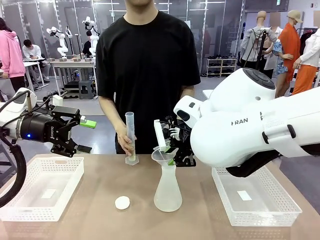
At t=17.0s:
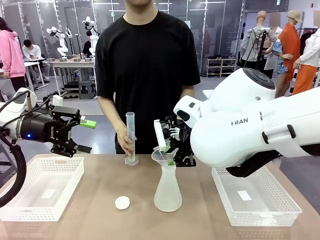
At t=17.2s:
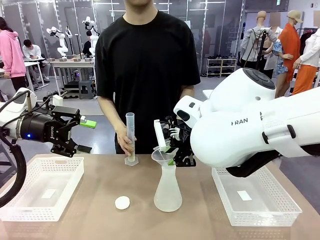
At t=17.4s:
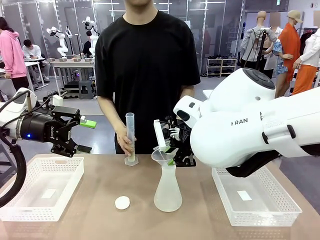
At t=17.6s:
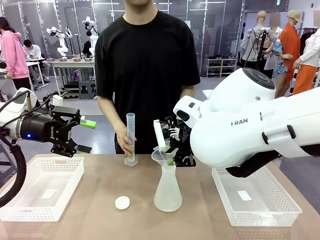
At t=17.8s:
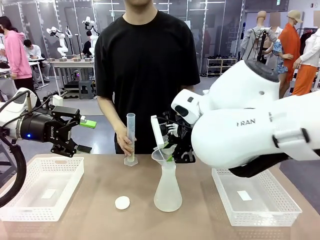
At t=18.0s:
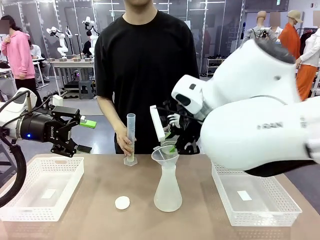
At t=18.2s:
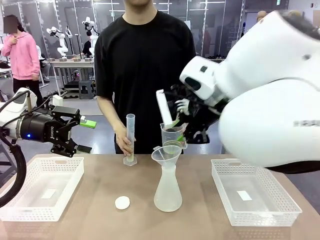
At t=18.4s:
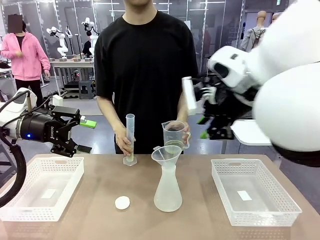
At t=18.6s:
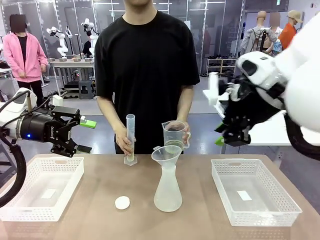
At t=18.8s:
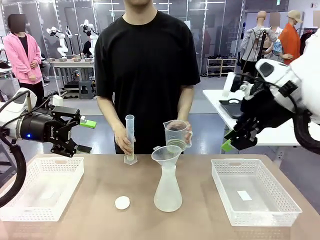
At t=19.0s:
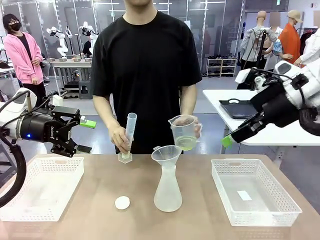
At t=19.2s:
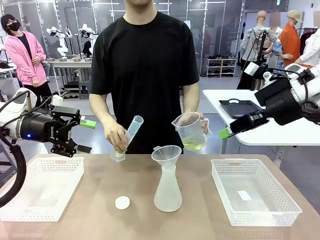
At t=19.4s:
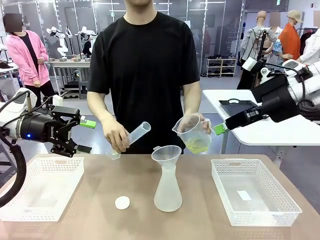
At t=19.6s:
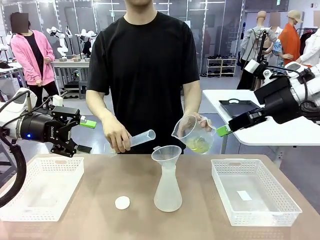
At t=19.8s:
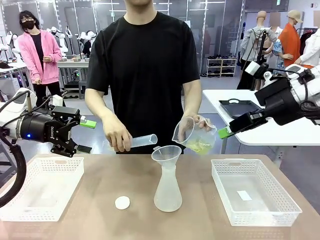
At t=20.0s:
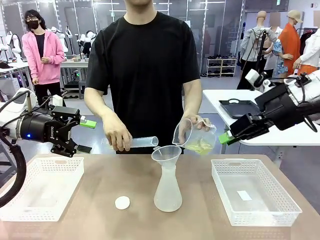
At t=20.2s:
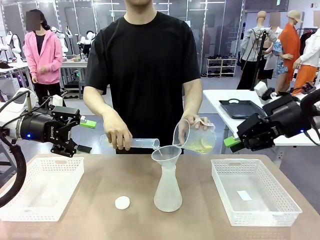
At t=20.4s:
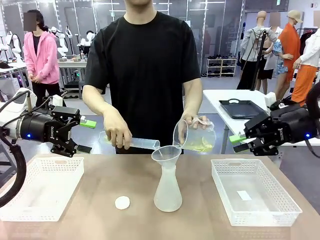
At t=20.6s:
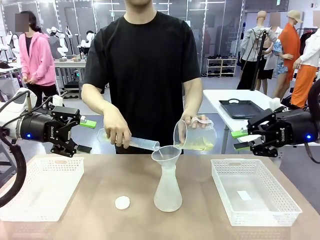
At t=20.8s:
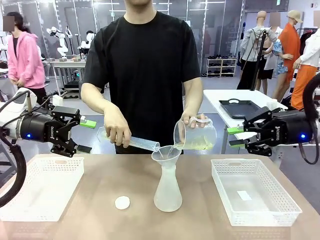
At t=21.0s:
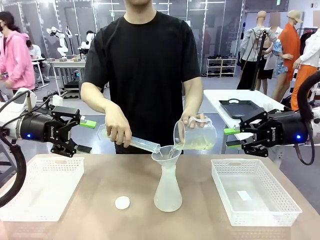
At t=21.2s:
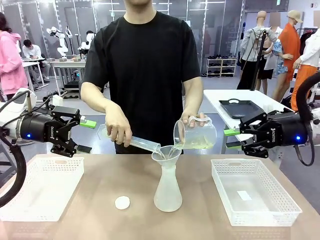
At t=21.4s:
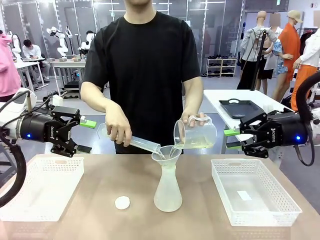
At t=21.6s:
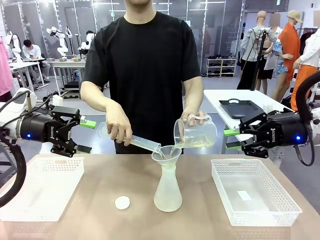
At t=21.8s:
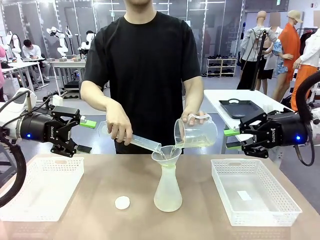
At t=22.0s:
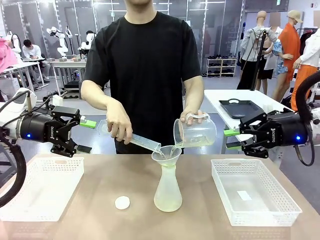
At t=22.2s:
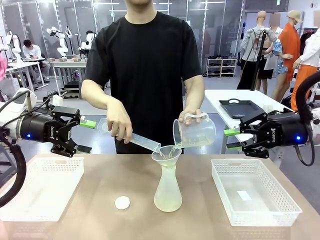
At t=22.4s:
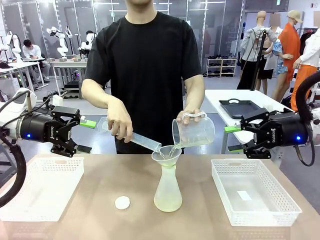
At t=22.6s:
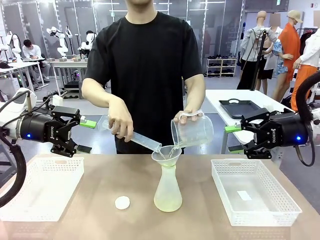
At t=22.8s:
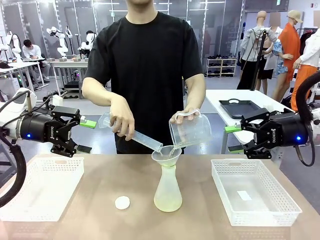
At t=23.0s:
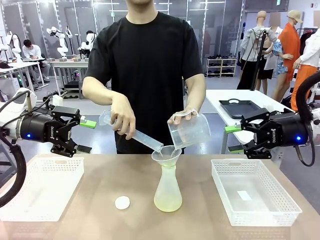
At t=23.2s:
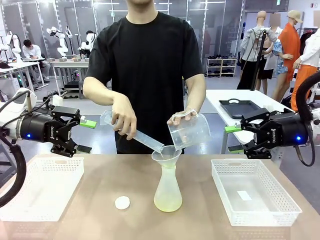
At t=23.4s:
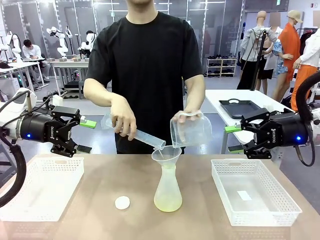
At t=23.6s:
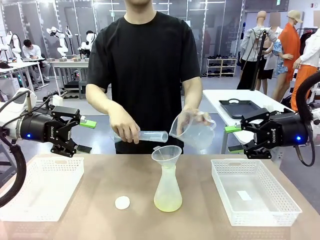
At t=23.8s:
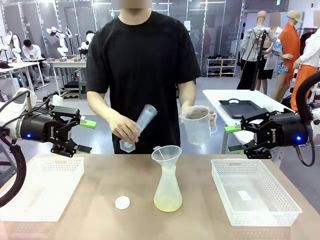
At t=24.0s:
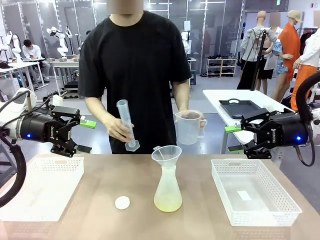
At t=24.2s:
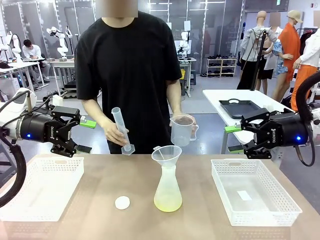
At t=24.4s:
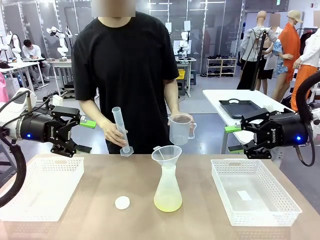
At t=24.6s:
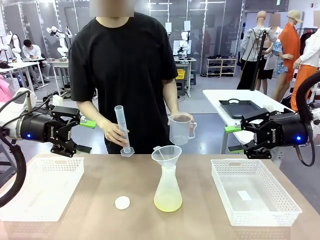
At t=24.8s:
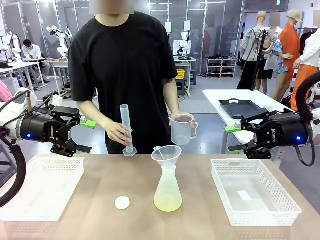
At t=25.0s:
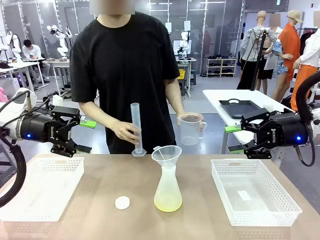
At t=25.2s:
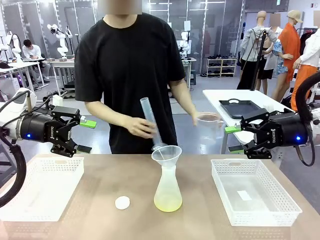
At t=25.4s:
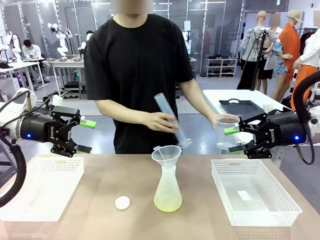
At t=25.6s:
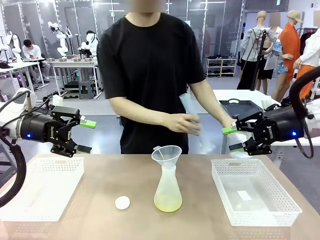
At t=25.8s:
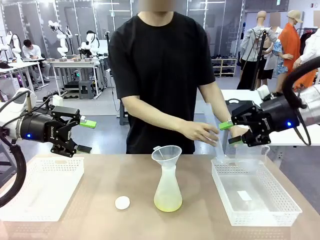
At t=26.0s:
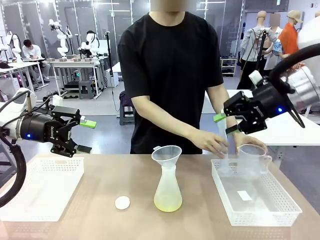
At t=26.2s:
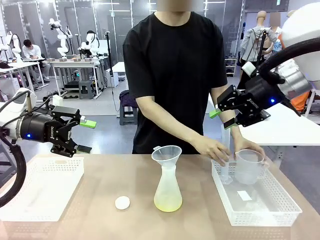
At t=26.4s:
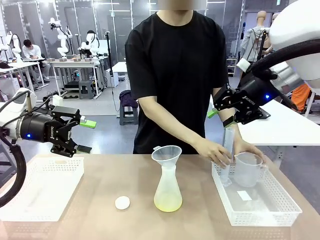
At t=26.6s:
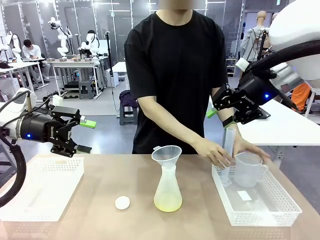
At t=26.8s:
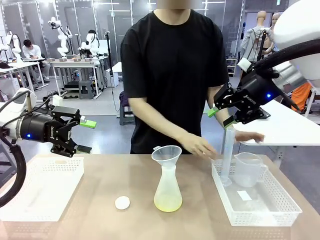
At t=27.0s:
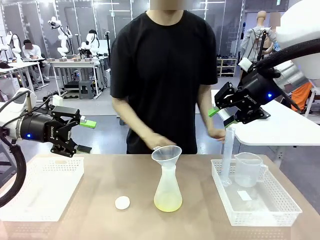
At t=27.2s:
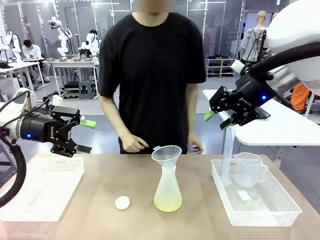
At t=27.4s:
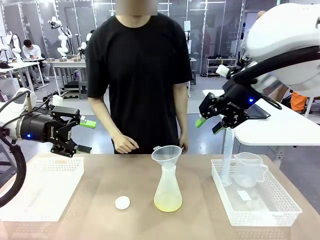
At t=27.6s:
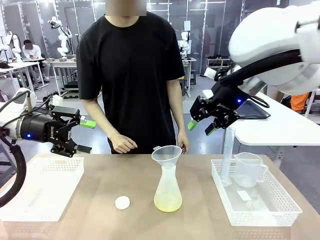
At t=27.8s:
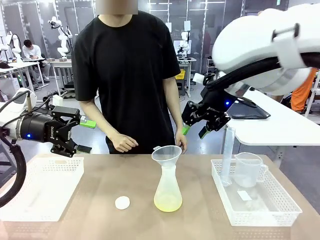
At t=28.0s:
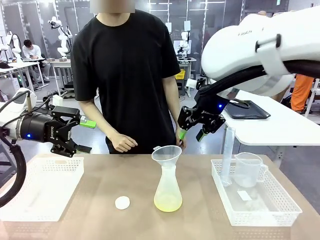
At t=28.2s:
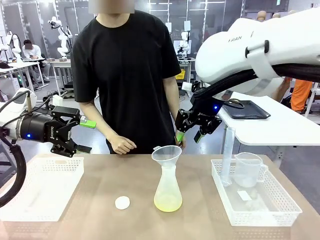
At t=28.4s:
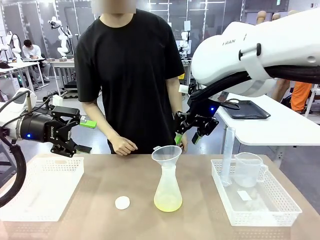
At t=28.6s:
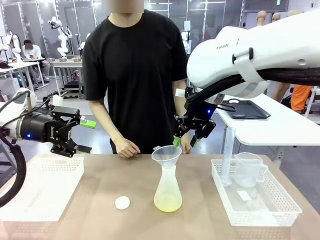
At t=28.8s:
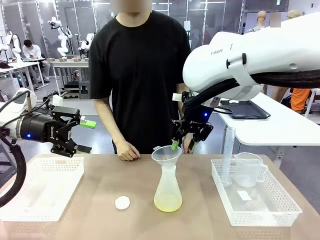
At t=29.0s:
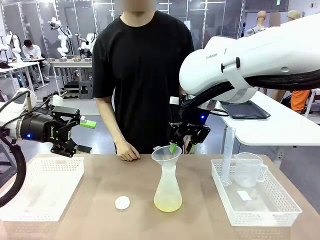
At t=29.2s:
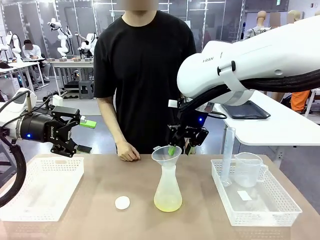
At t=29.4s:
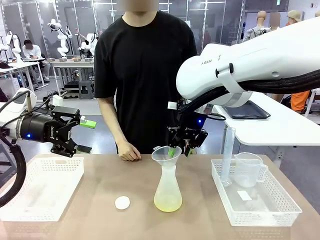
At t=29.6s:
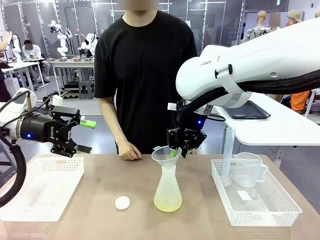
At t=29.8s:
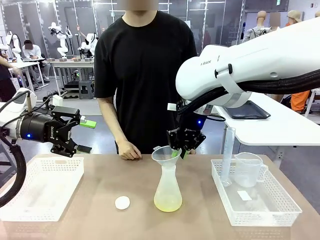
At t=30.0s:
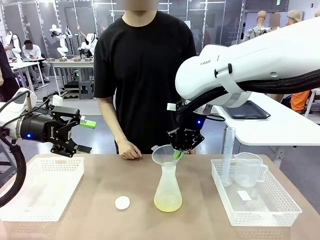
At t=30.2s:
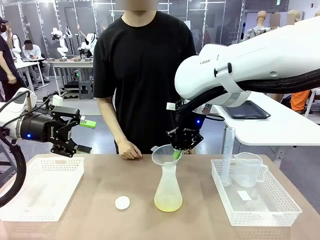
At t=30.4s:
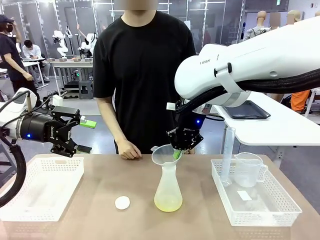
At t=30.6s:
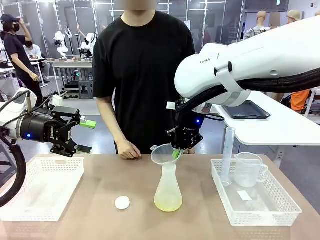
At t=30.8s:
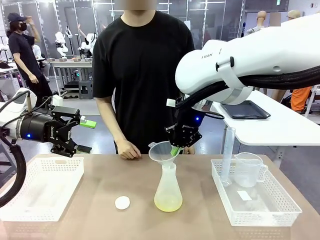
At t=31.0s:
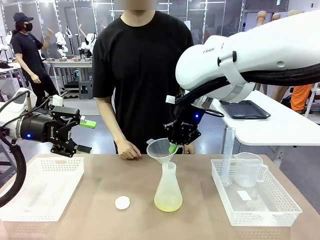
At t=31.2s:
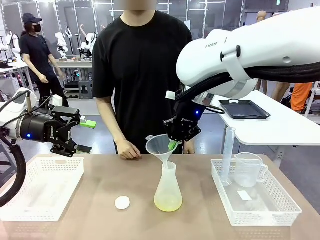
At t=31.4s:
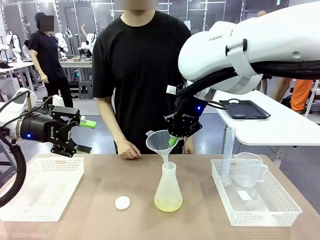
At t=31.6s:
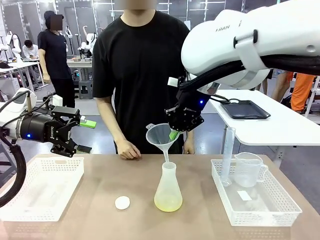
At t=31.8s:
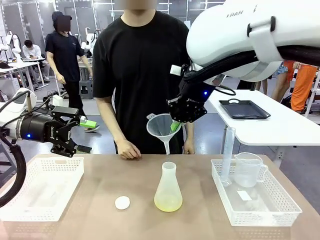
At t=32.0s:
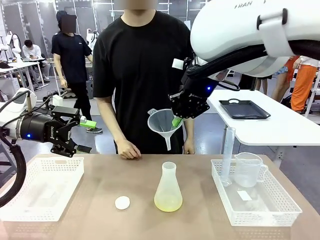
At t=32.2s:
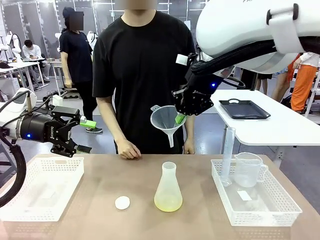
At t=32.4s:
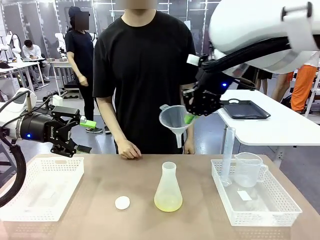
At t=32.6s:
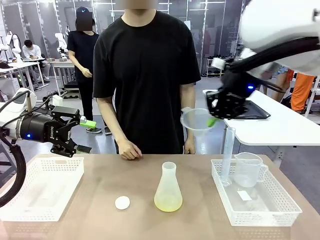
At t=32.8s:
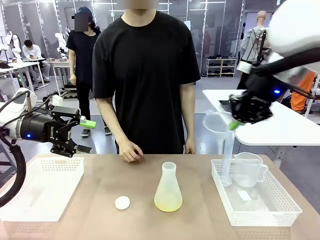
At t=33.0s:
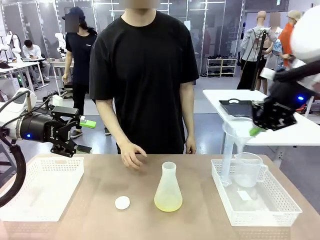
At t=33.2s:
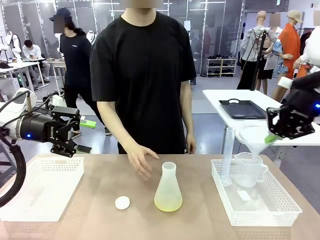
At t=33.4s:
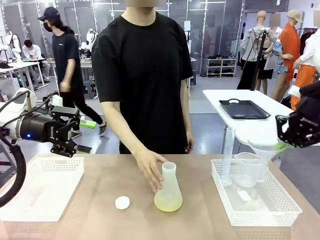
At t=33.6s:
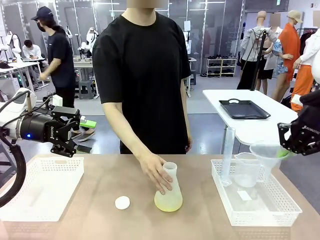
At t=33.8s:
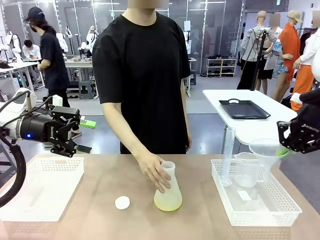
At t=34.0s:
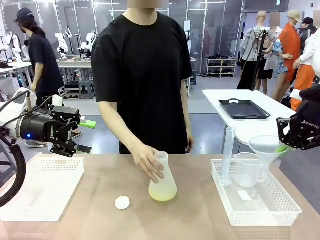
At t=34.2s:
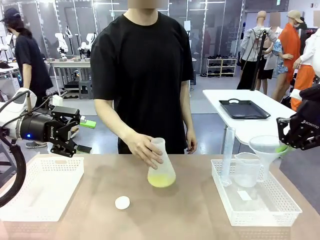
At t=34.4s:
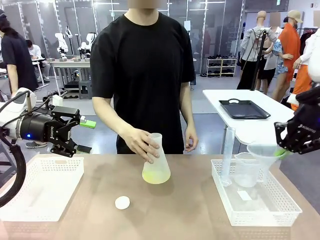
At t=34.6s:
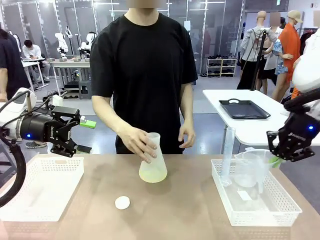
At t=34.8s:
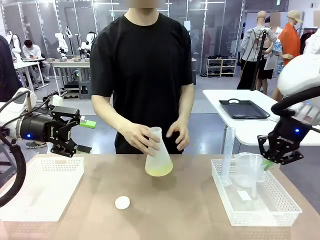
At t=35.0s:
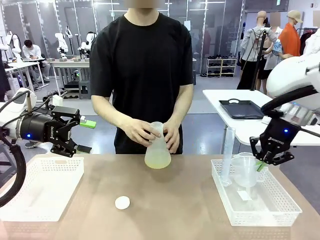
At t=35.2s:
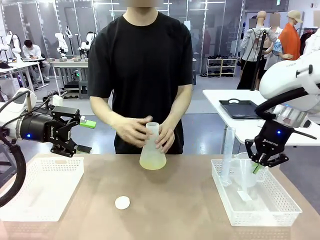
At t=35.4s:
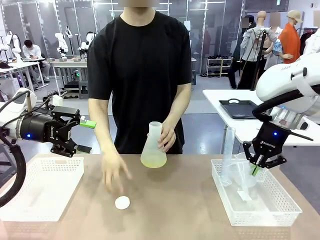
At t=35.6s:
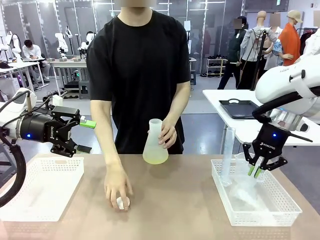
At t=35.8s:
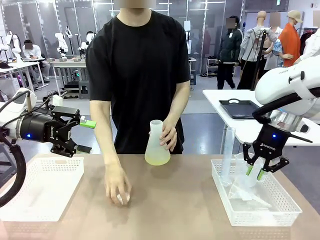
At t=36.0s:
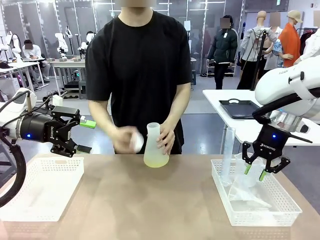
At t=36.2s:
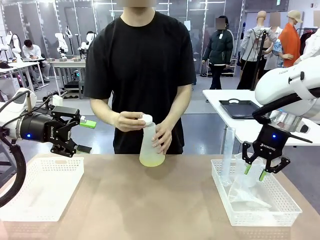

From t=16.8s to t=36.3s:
Task: Prepare the solutions needed for the experiment.
Robot: Once the solution is in the Big flask , pick up the Plastic Funnel and place it back into the right Organizing basket.
Person: Place the beaker and the cylinder into the organizing basket on the left side. Pick up the flask, gently shake it 2–3 times, place it in the middle of the robot table, and close the lid.
